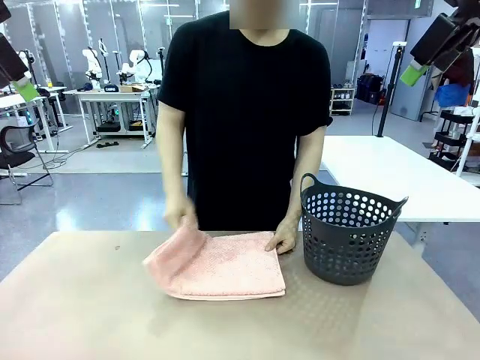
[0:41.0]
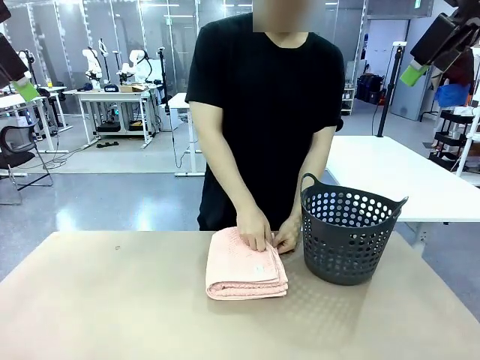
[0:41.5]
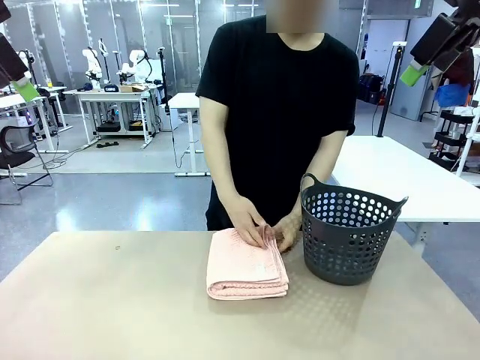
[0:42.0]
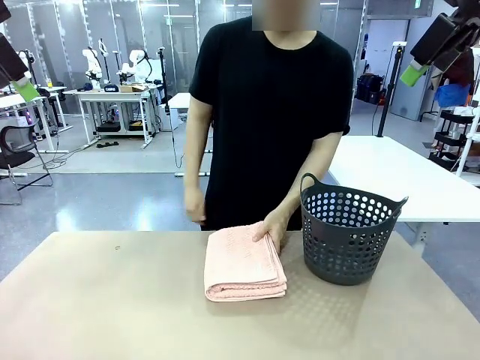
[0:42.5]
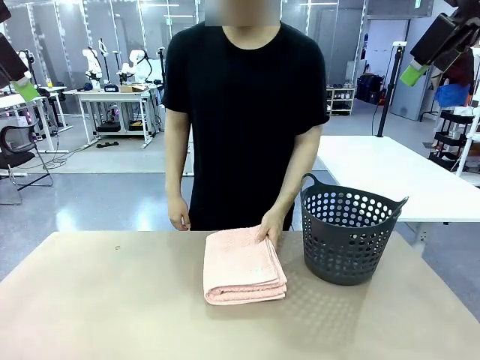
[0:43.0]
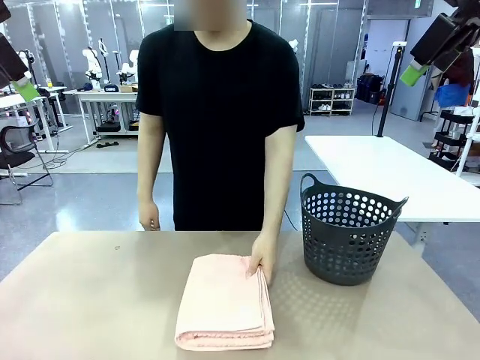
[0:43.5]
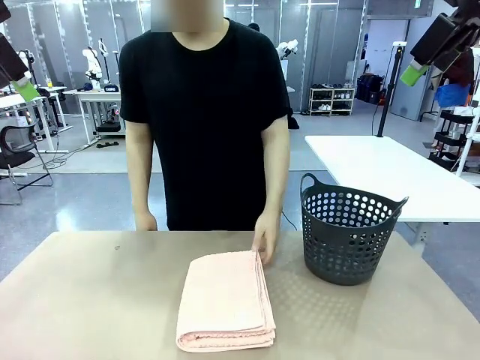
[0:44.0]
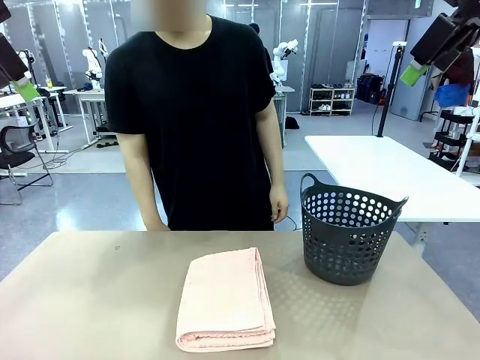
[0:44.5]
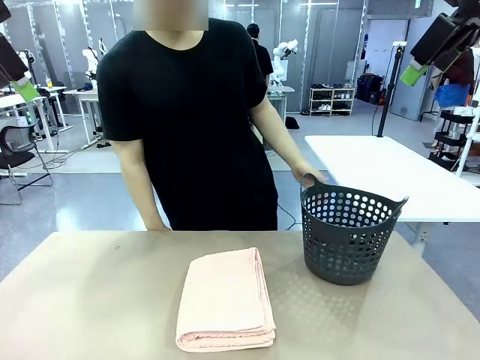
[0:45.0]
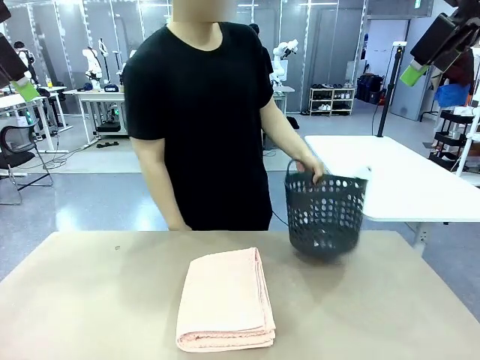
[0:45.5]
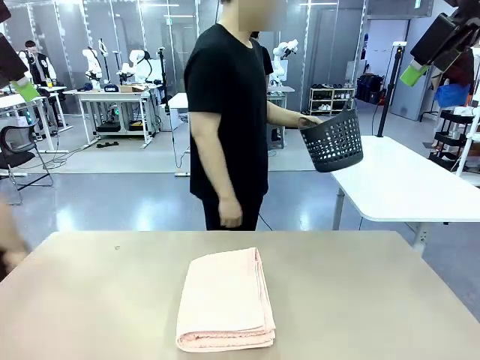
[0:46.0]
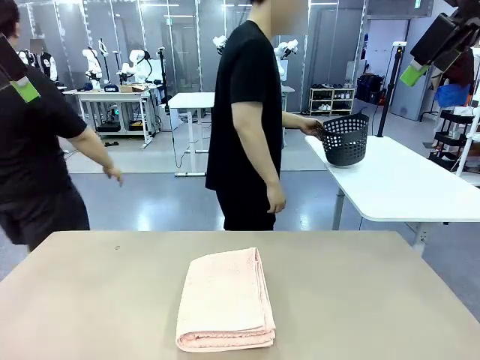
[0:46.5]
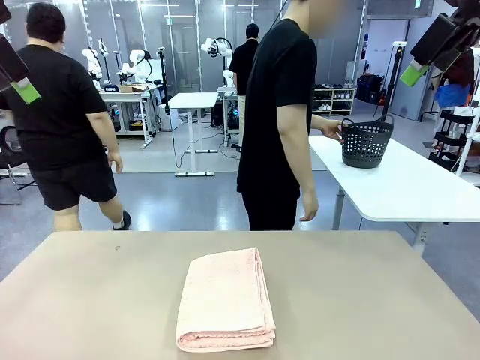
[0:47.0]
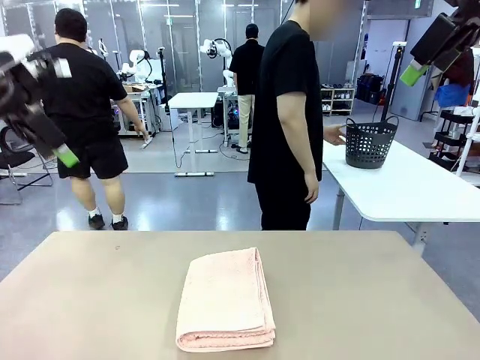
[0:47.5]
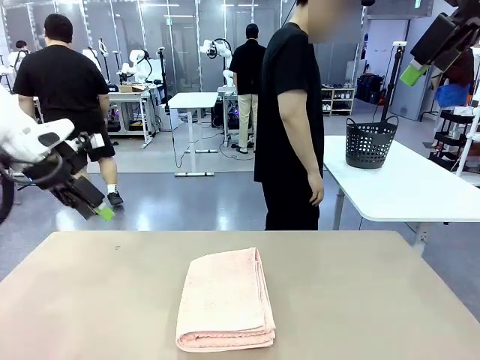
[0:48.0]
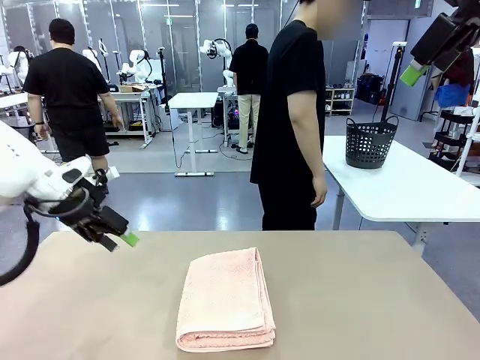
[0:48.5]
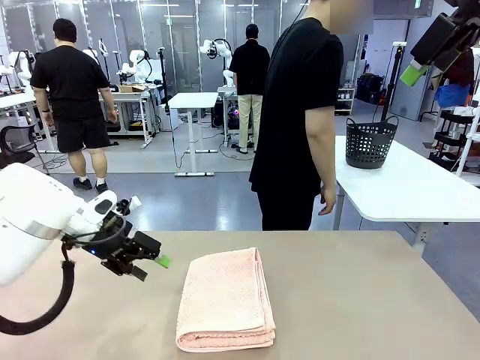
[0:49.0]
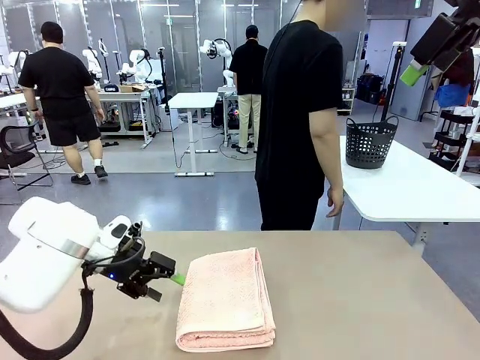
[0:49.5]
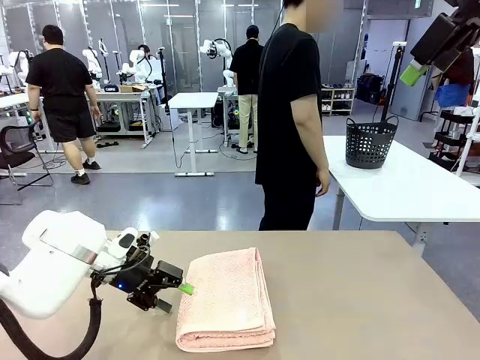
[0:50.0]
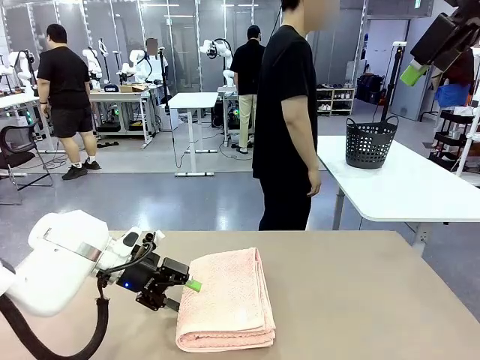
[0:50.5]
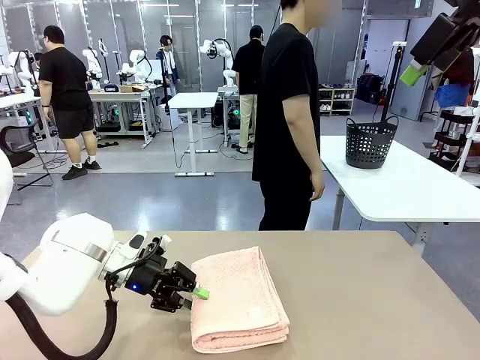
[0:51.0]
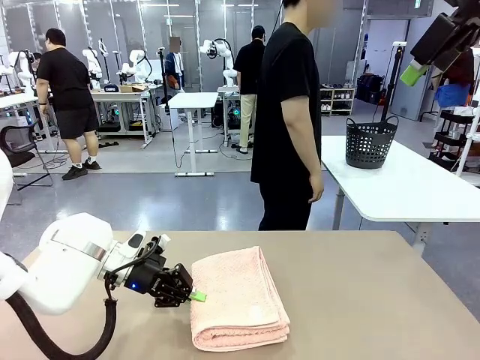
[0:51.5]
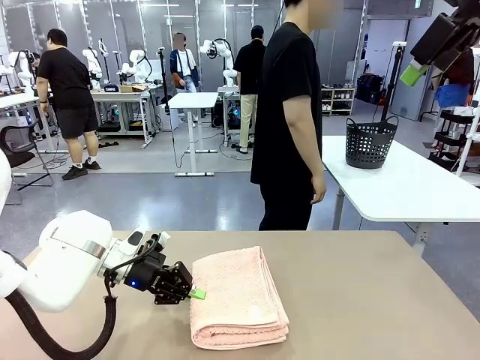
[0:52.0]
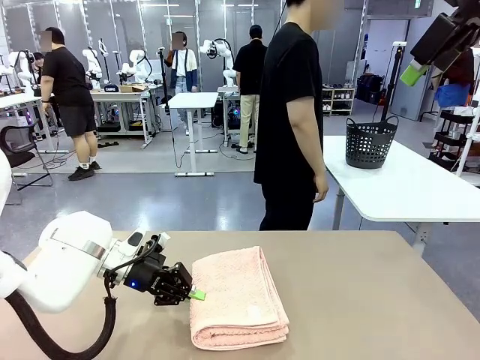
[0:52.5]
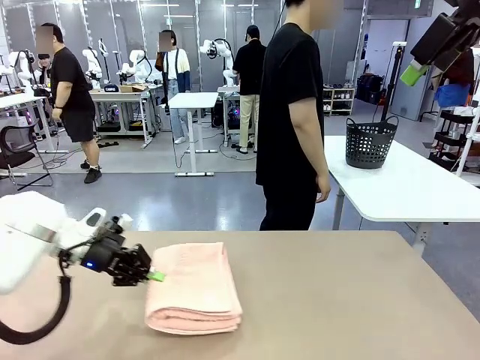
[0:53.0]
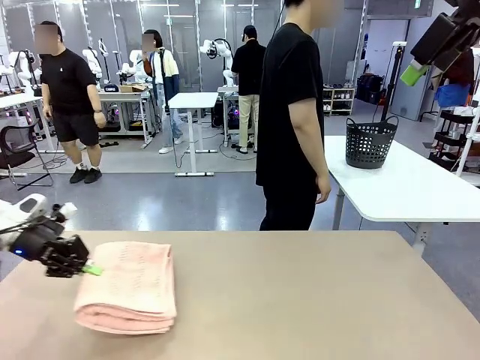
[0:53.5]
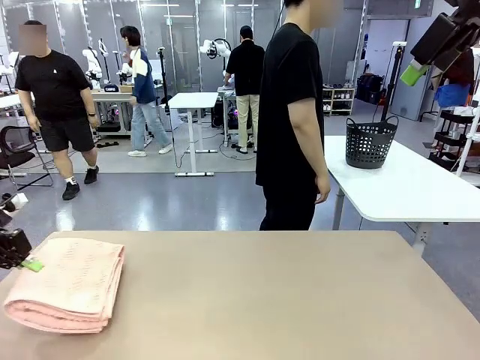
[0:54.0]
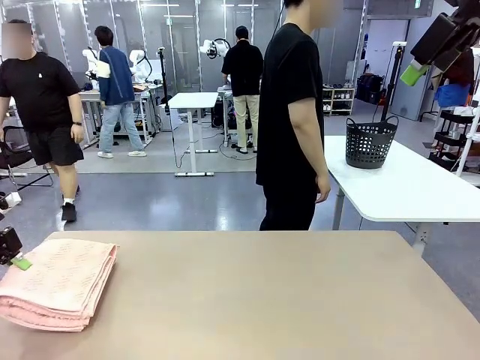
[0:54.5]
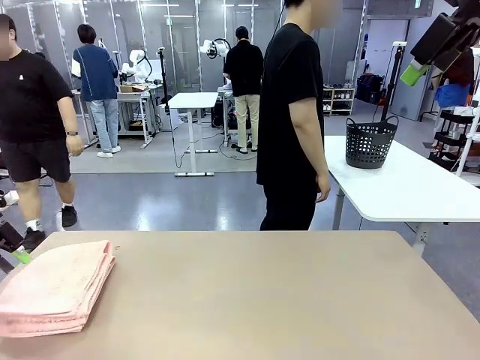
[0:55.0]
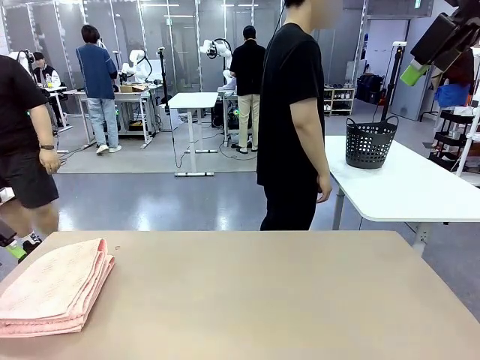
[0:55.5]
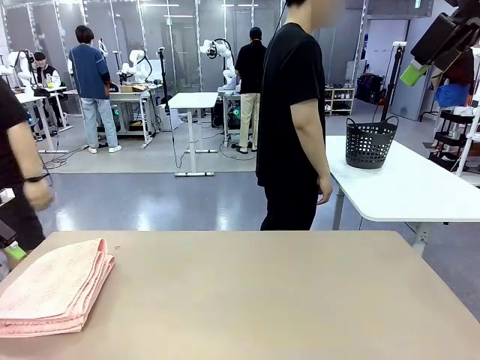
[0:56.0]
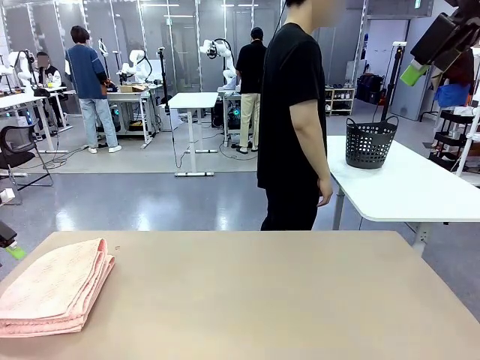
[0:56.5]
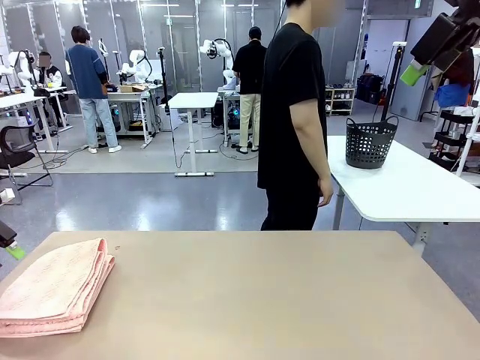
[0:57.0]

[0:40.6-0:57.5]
Task: Fold the towel.
Robot: Pick up the 100 cm Hotel Towel and place it on the left side of the table.
Person: Place the towel at the center of the robot table and fold it in half. Pick up the laundry basket and place it at the center of the human table.

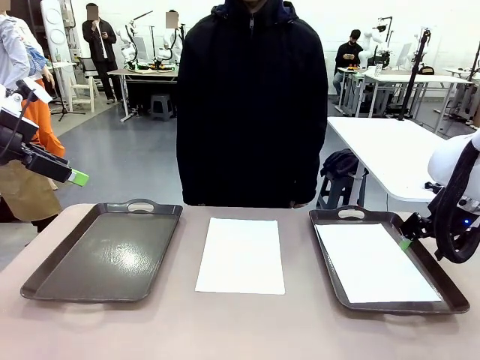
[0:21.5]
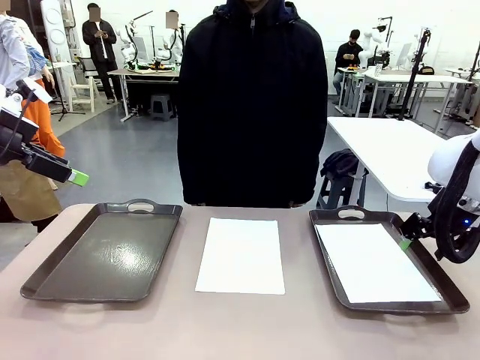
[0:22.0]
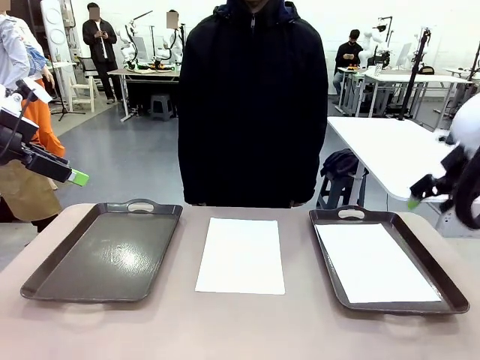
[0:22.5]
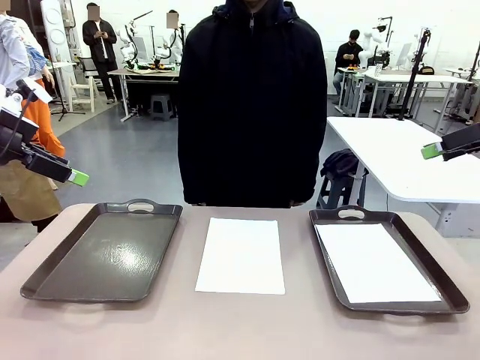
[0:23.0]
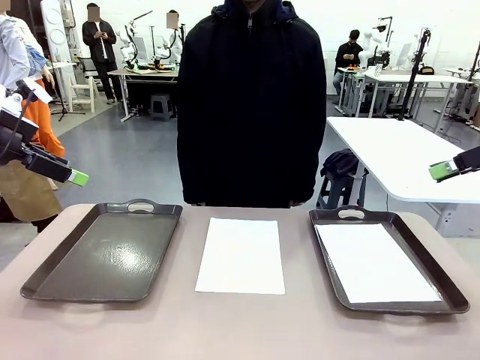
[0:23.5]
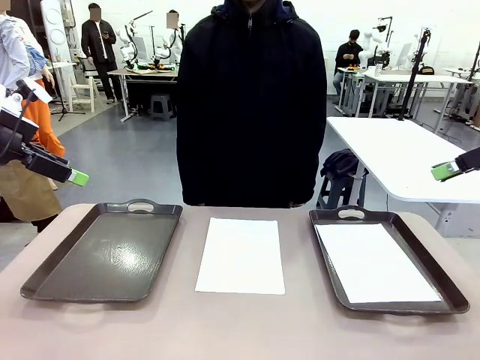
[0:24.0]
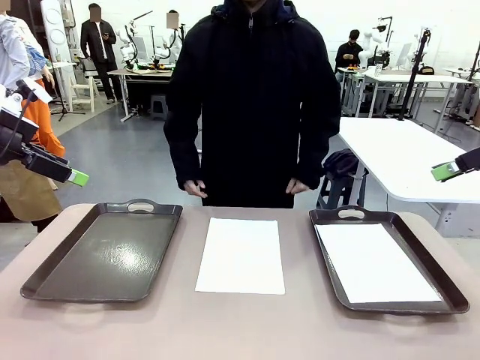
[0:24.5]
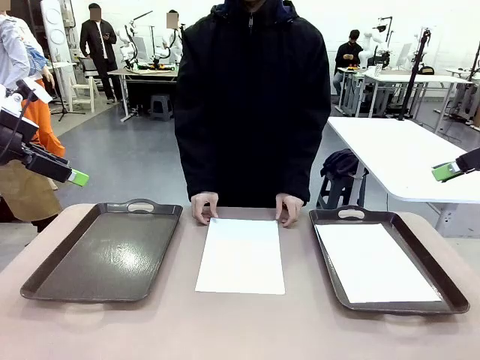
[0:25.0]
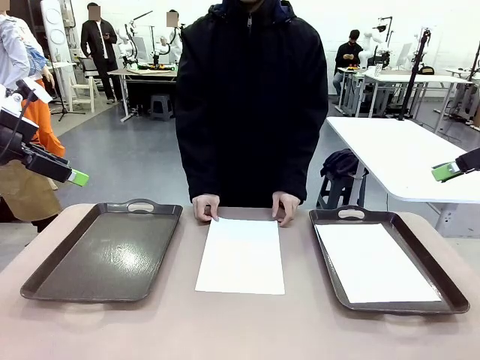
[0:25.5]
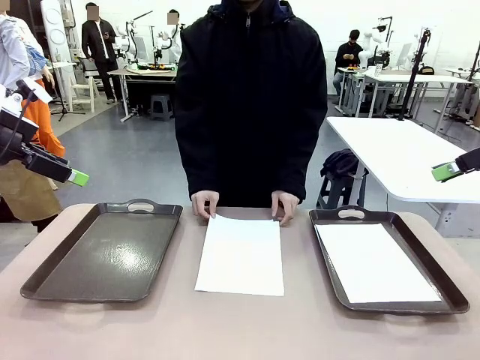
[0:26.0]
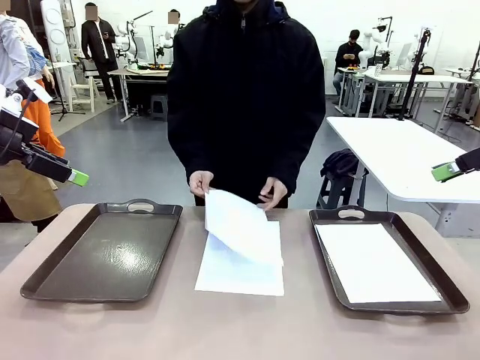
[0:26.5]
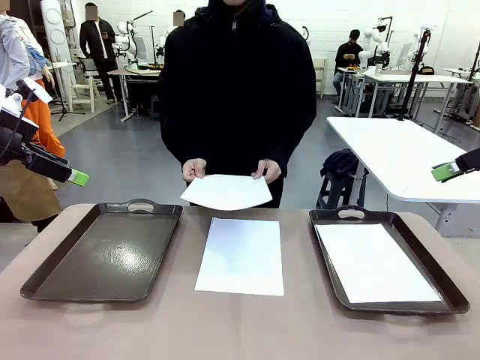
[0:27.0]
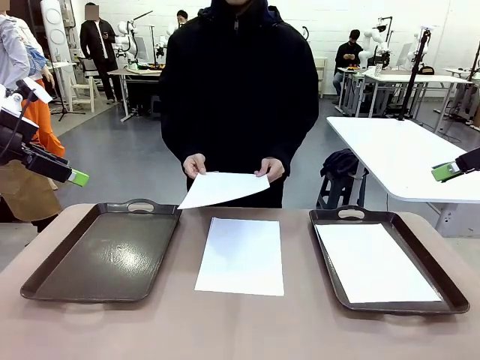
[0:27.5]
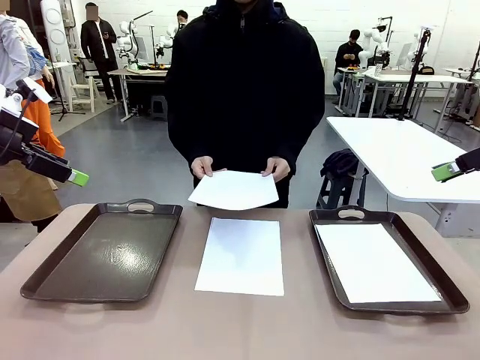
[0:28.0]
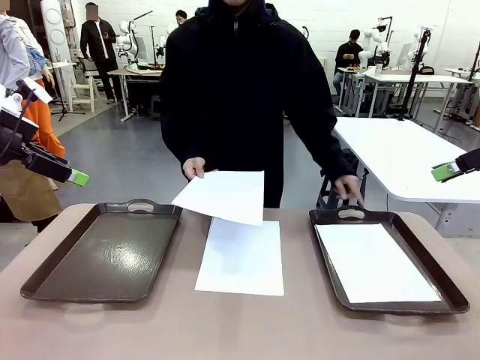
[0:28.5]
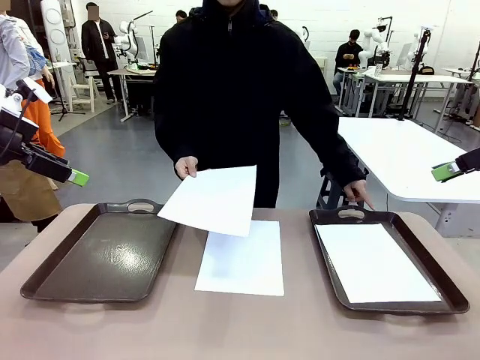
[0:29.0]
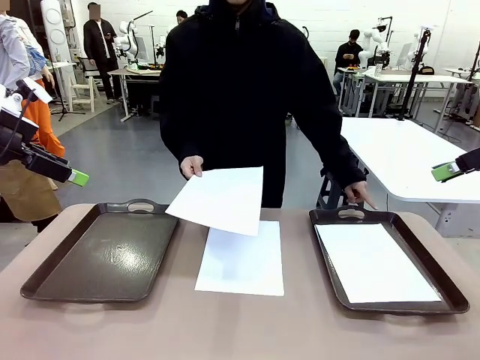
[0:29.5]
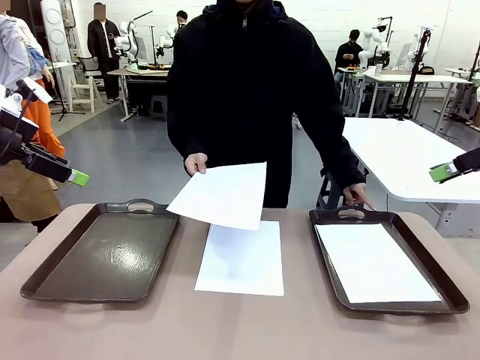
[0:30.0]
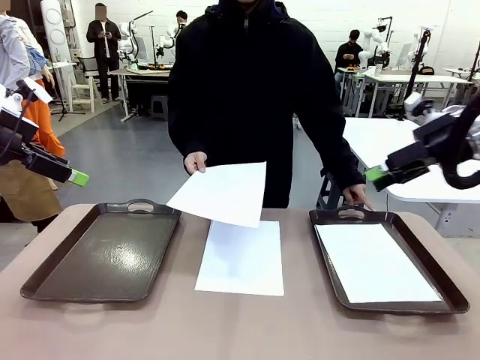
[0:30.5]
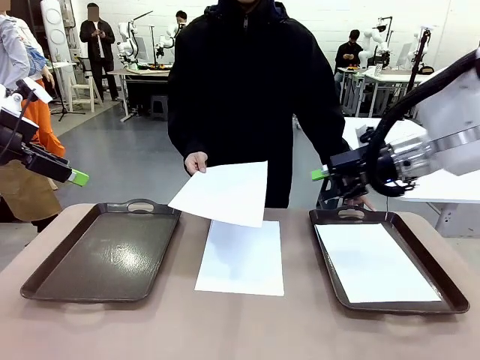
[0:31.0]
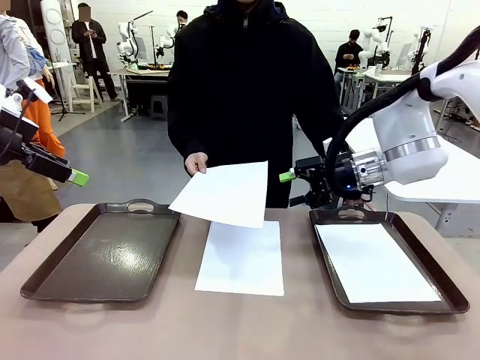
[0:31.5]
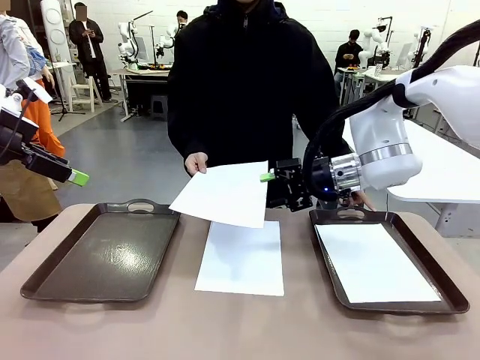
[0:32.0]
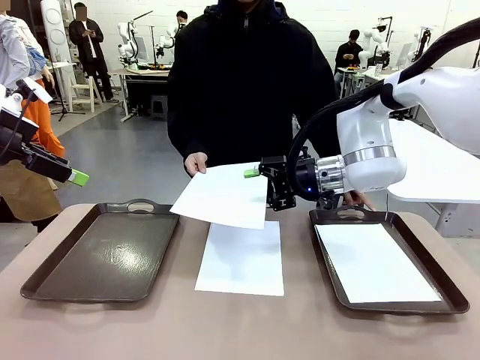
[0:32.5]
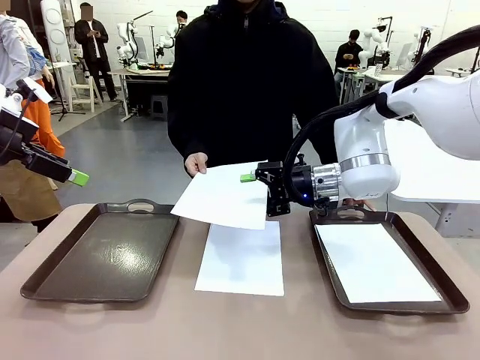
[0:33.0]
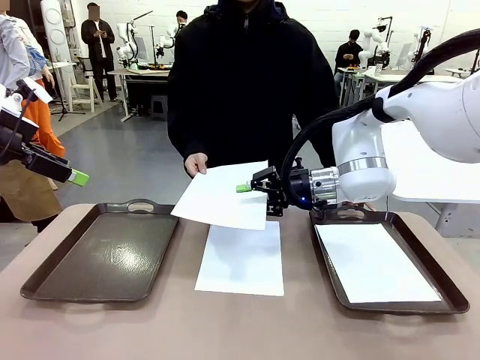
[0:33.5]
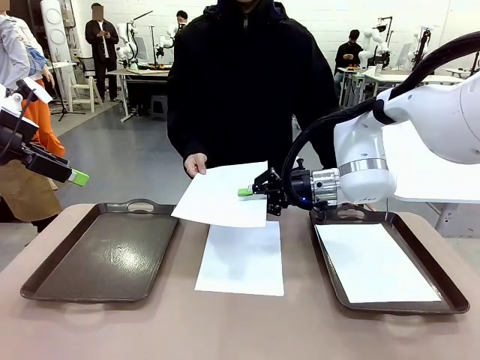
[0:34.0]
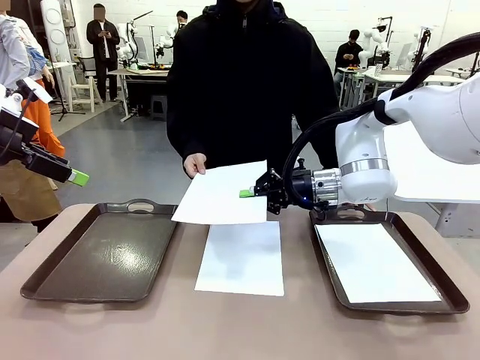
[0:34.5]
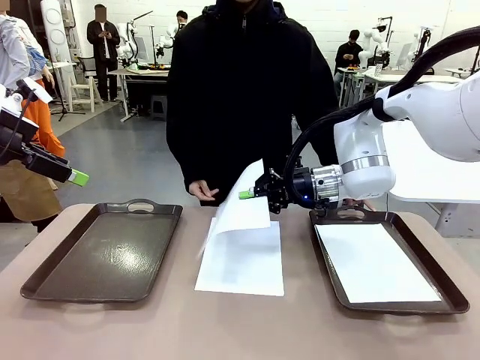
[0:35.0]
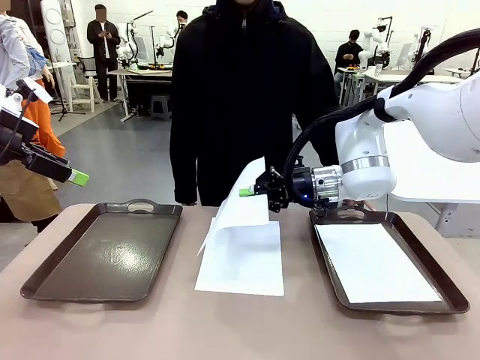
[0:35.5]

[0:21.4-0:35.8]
Task: Sort the A4 documents.
Robot: Receive the A4 Paper.
Person: Point the randomly selected tray with the other hand.
